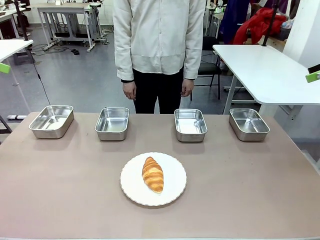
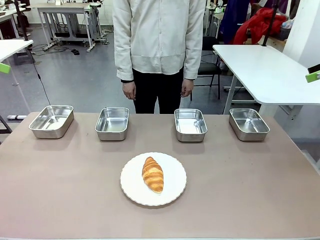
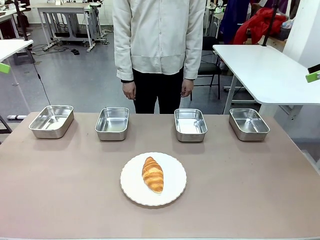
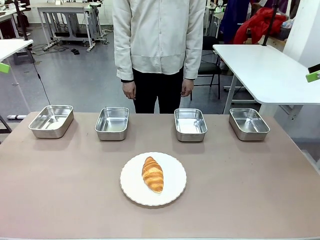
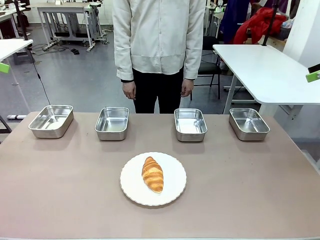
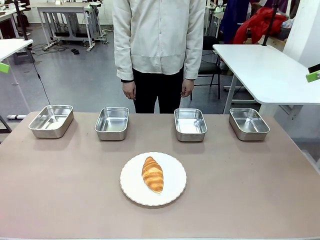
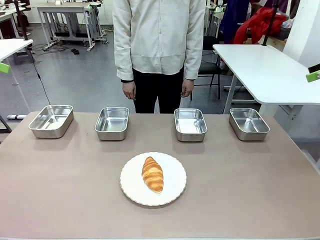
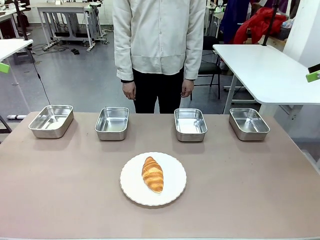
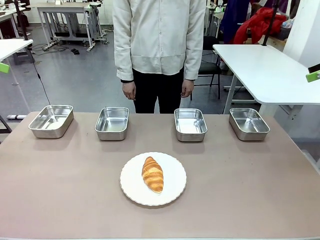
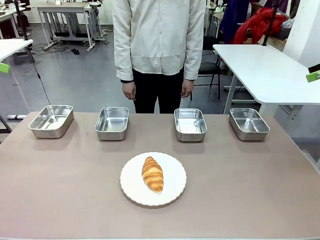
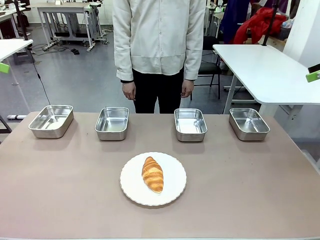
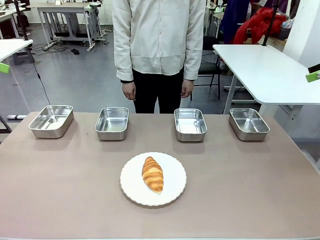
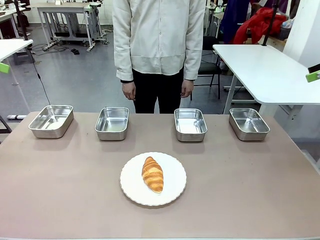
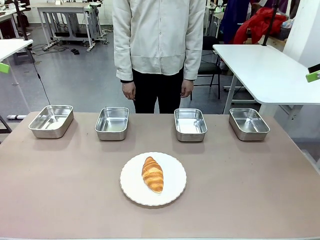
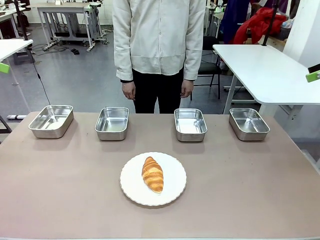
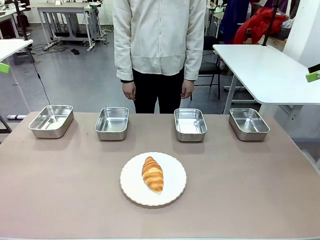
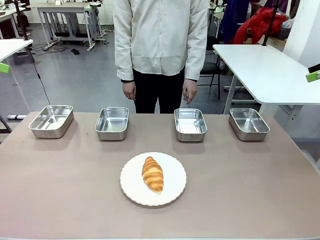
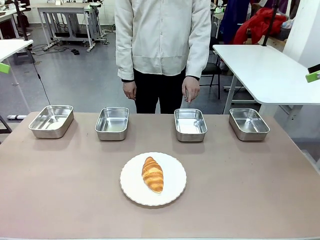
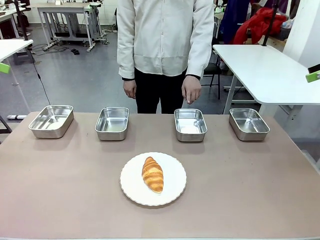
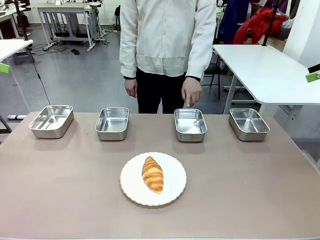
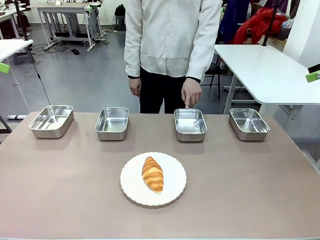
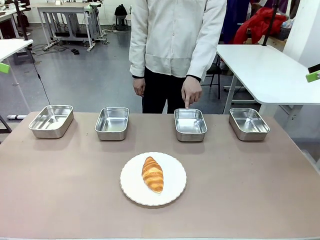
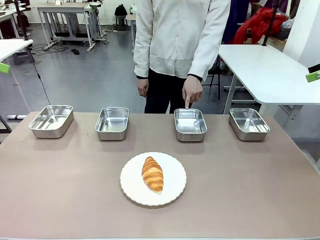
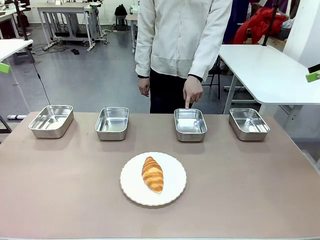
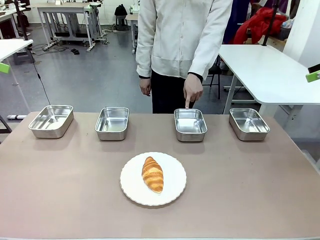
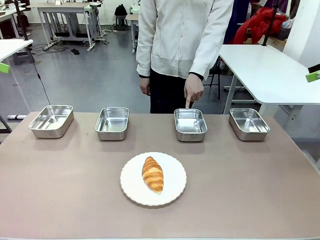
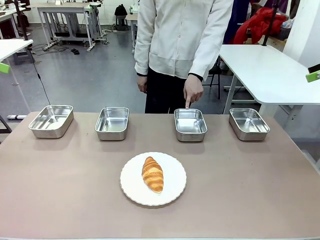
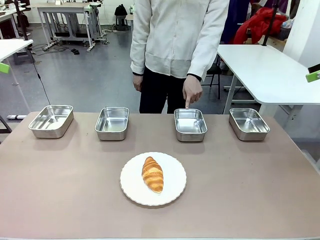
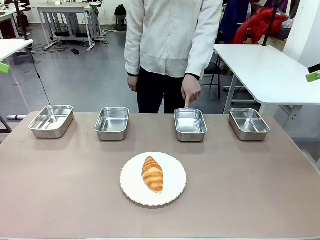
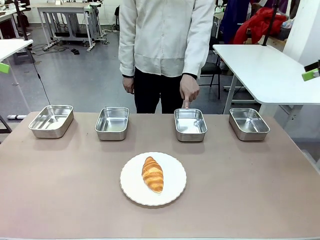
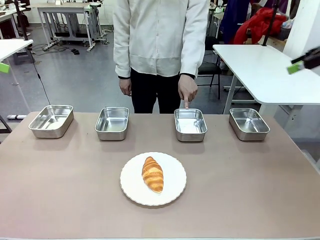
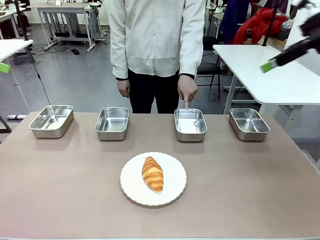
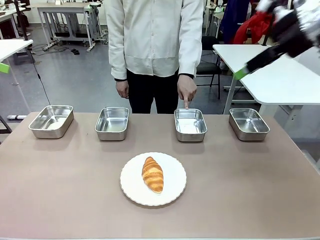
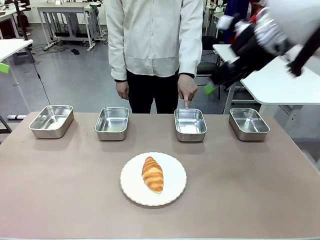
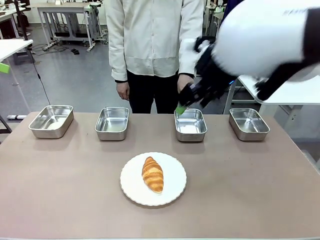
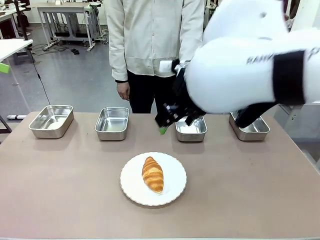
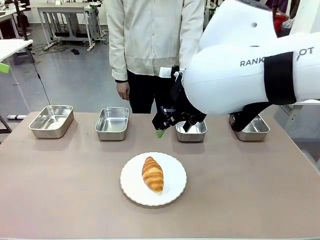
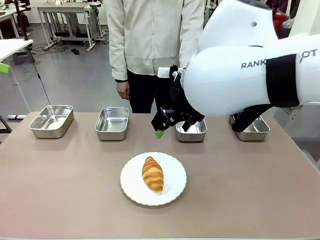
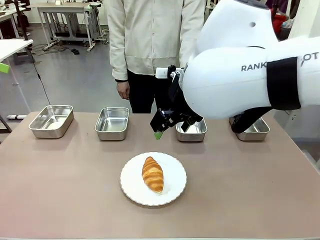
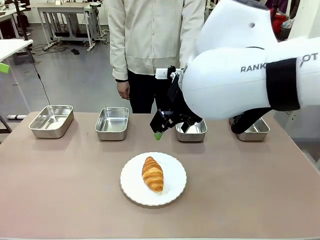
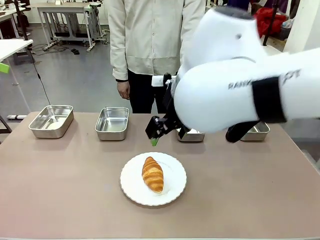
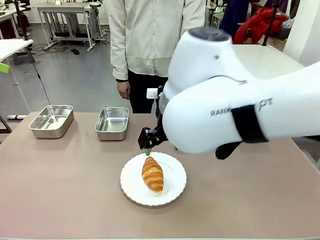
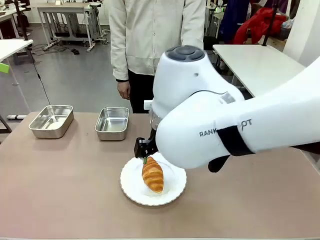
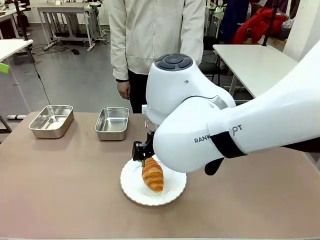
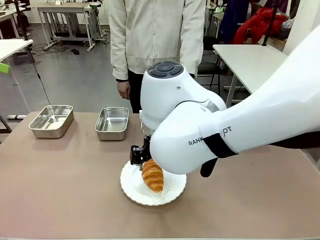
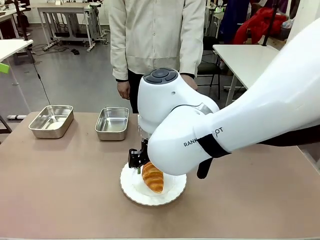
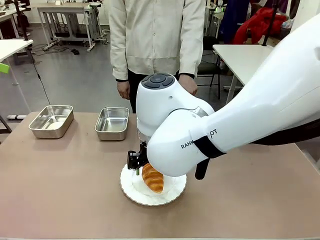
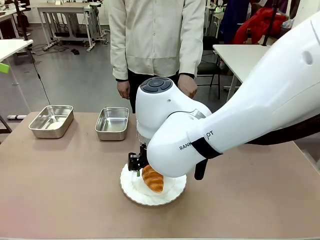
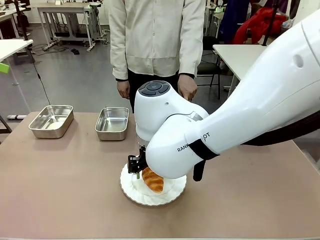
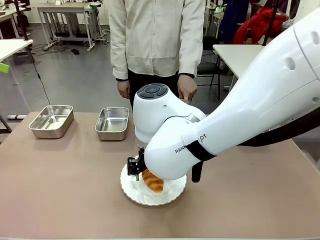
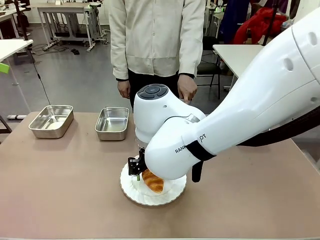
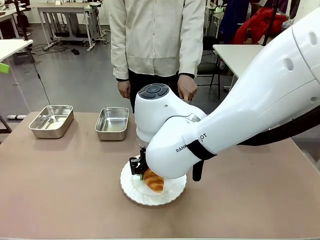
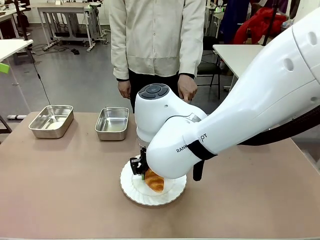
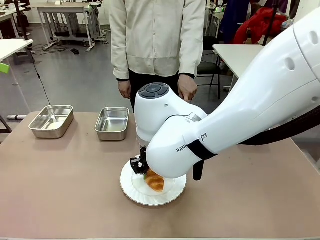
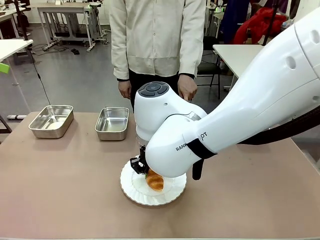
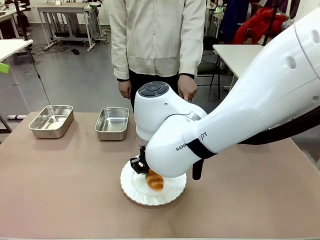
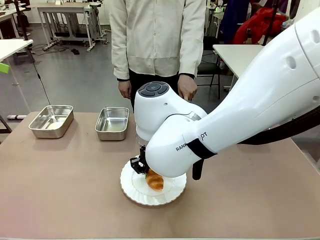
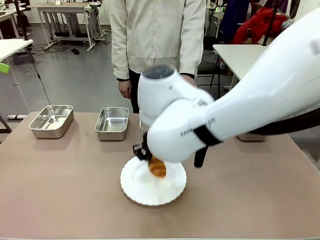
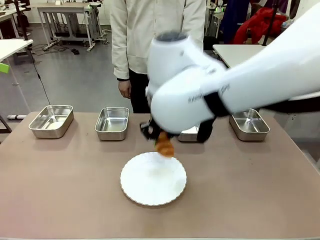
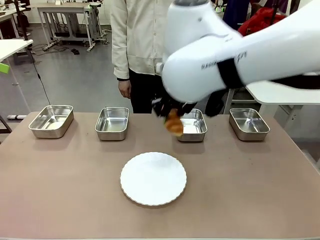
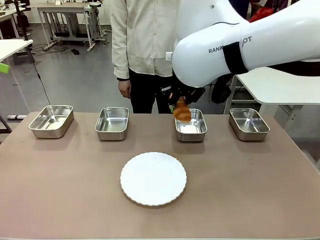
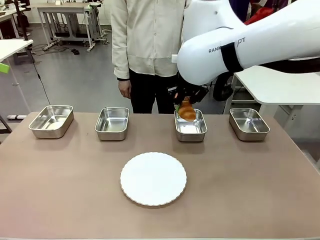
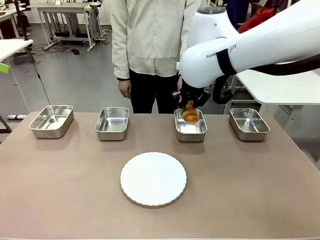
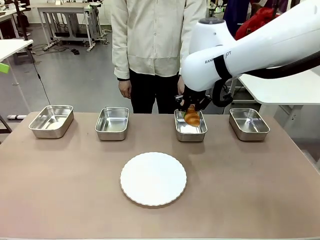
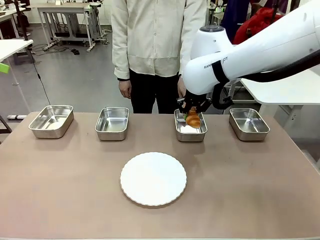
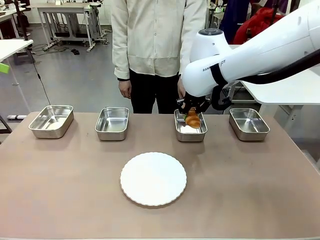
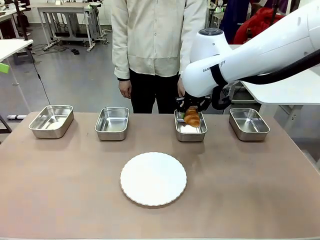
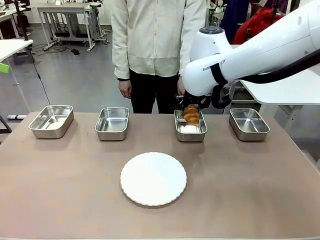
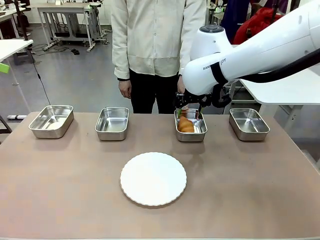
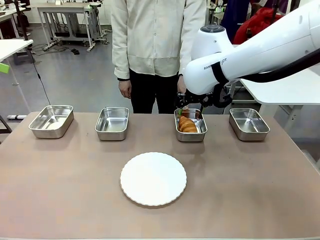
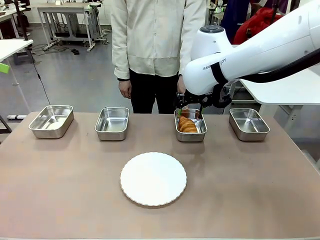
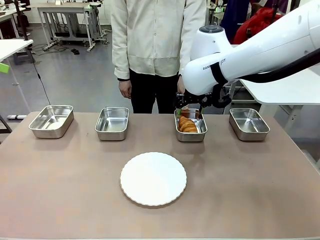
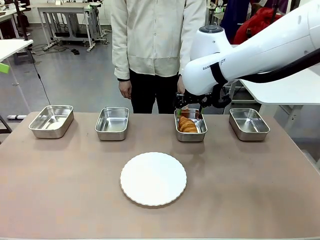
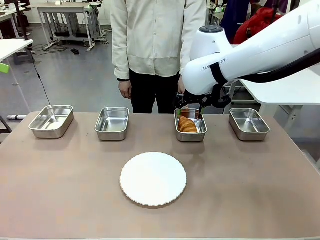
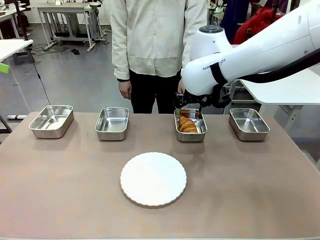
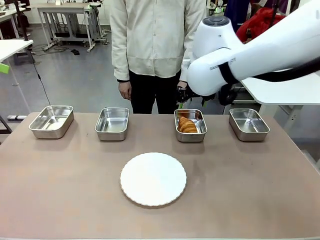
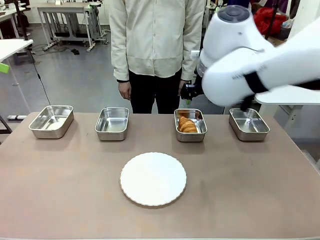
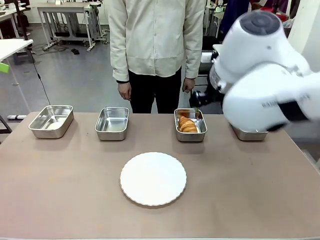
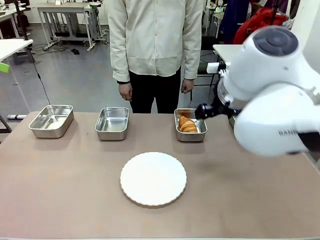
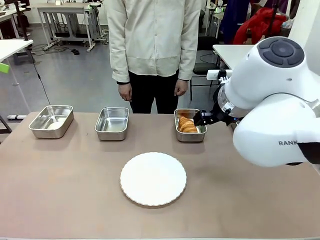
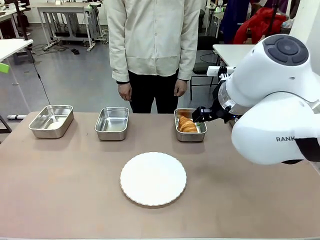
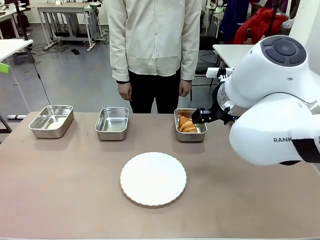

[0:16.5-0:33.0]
Task: Place the bread in the container.
Robot: Place the Butter Roll into the Airtight Container indicated by the human.
